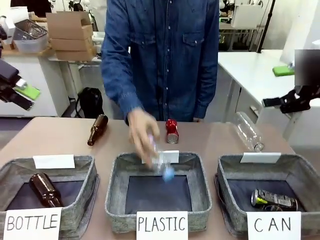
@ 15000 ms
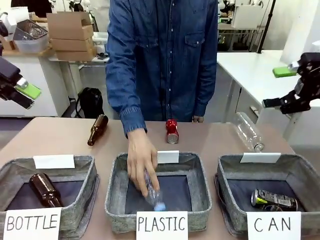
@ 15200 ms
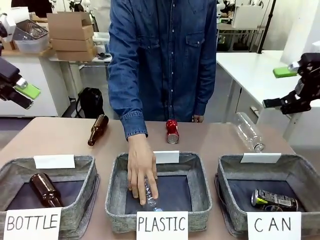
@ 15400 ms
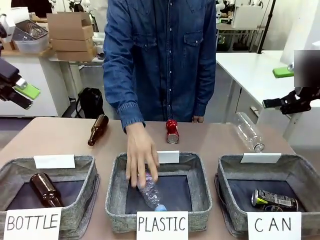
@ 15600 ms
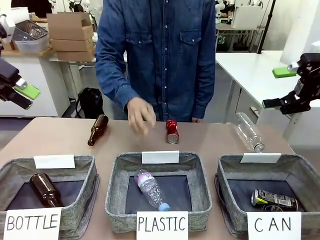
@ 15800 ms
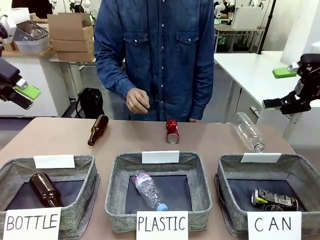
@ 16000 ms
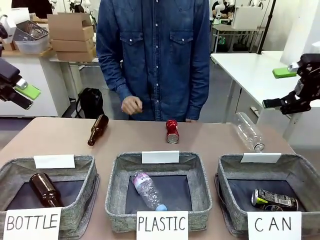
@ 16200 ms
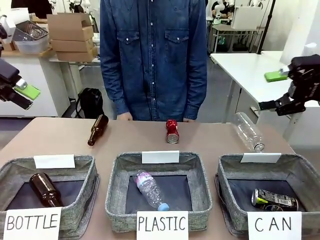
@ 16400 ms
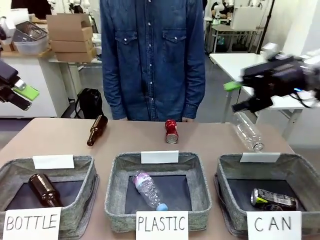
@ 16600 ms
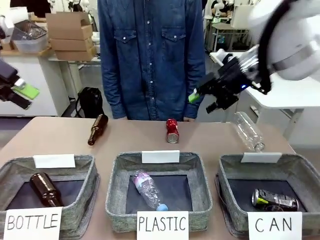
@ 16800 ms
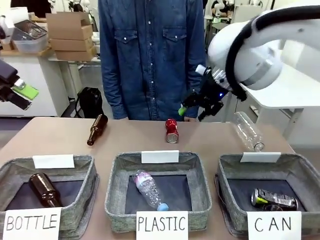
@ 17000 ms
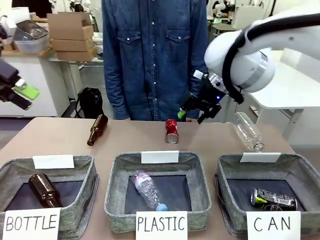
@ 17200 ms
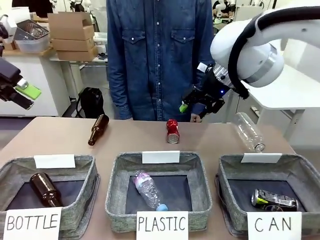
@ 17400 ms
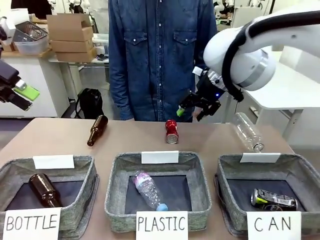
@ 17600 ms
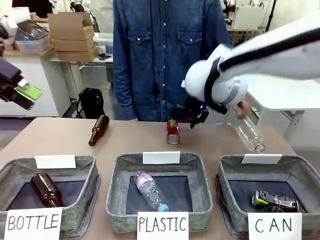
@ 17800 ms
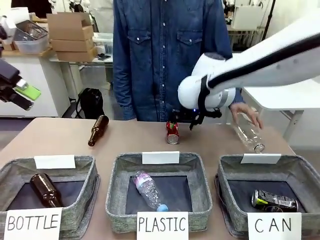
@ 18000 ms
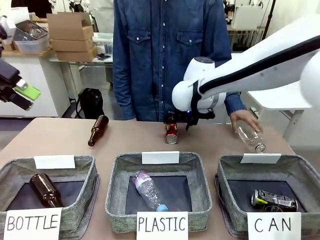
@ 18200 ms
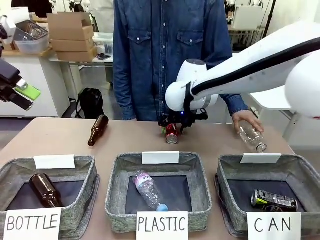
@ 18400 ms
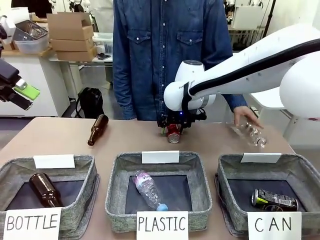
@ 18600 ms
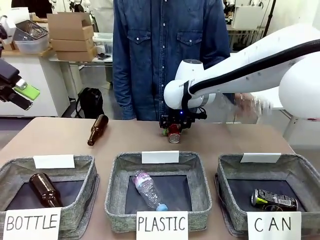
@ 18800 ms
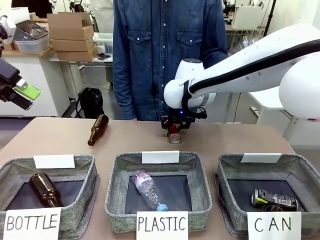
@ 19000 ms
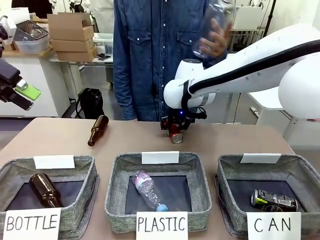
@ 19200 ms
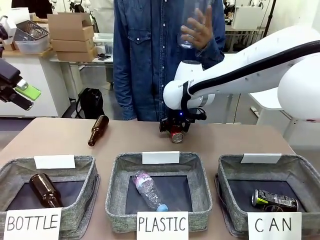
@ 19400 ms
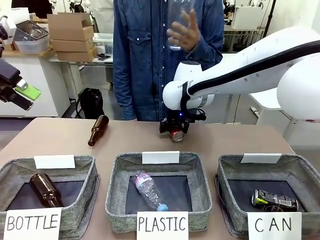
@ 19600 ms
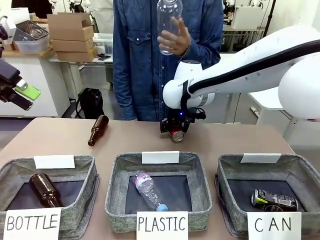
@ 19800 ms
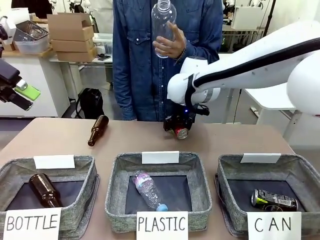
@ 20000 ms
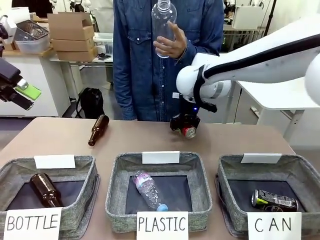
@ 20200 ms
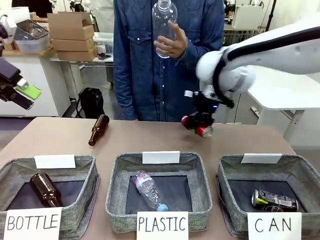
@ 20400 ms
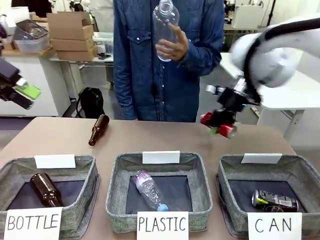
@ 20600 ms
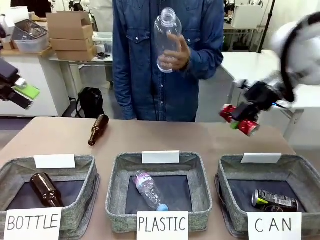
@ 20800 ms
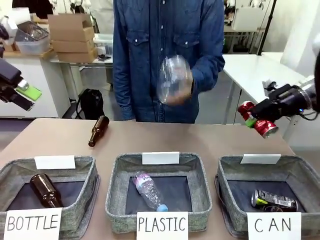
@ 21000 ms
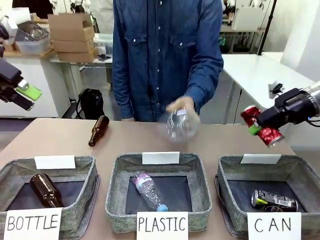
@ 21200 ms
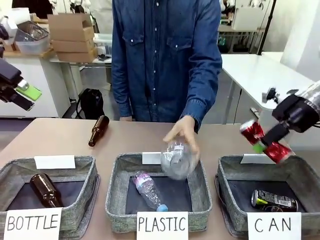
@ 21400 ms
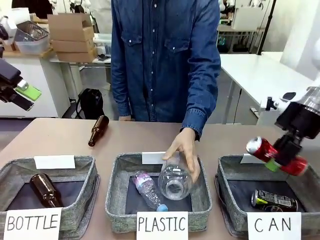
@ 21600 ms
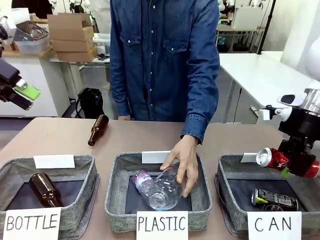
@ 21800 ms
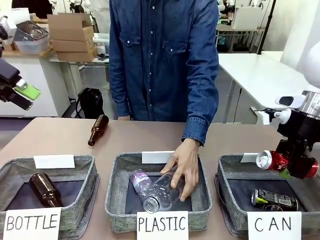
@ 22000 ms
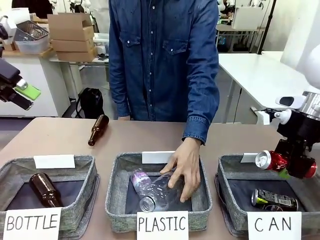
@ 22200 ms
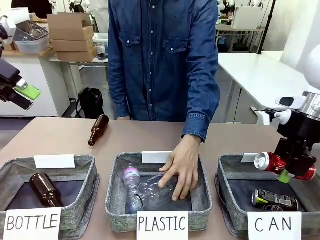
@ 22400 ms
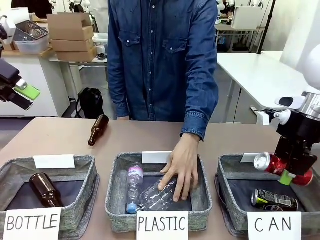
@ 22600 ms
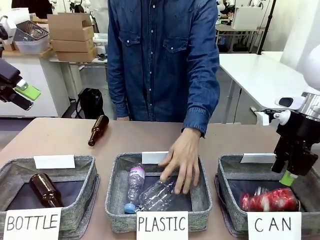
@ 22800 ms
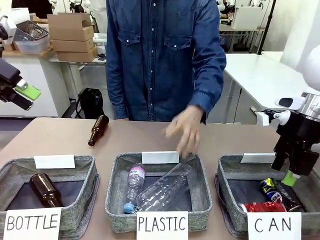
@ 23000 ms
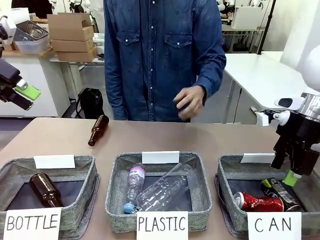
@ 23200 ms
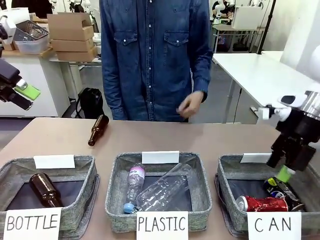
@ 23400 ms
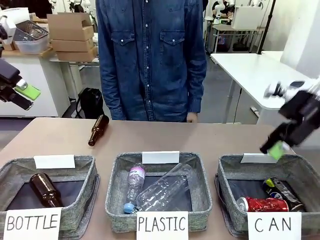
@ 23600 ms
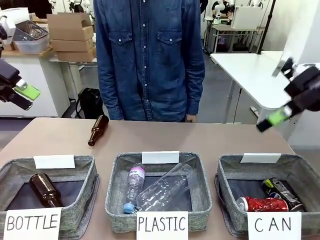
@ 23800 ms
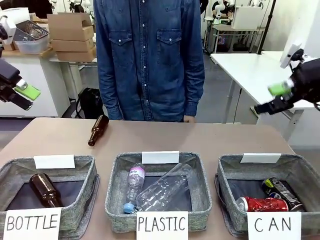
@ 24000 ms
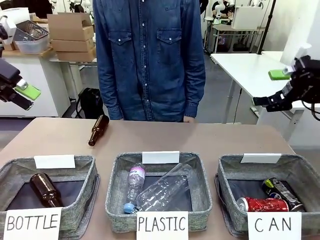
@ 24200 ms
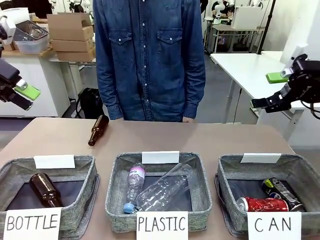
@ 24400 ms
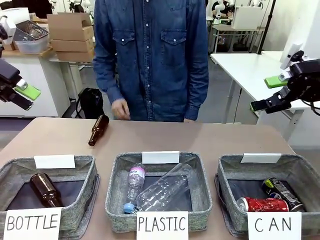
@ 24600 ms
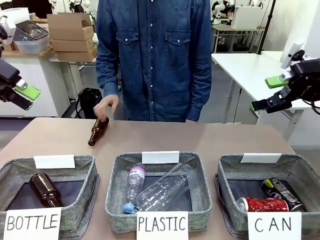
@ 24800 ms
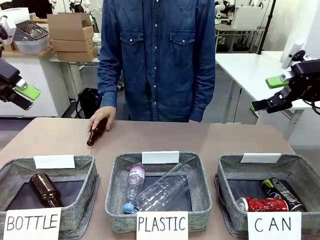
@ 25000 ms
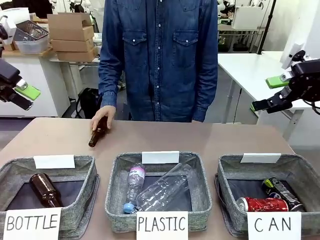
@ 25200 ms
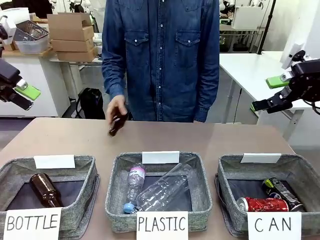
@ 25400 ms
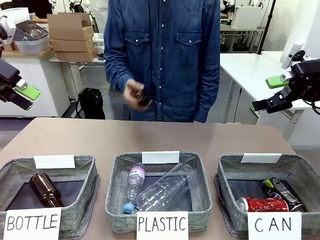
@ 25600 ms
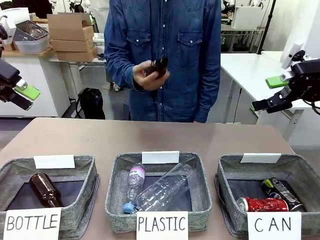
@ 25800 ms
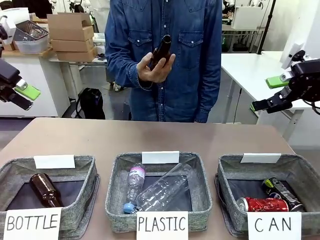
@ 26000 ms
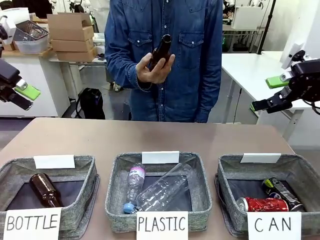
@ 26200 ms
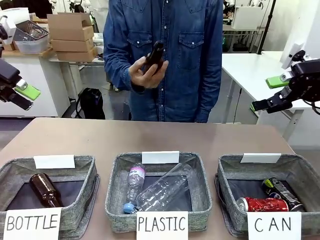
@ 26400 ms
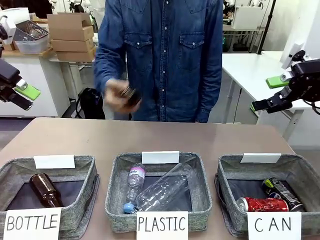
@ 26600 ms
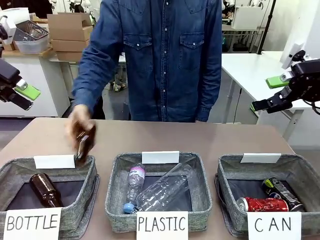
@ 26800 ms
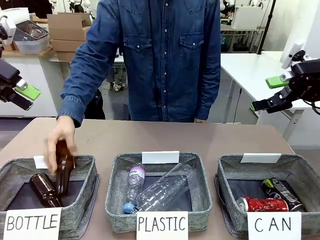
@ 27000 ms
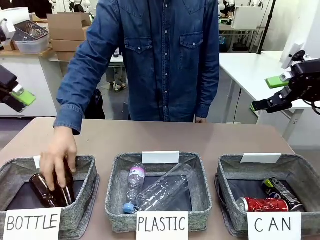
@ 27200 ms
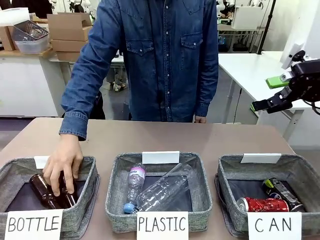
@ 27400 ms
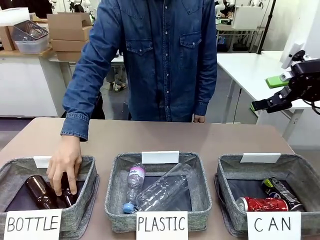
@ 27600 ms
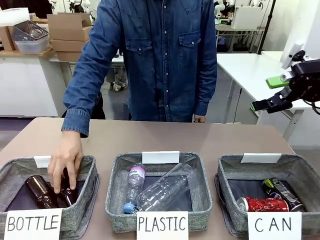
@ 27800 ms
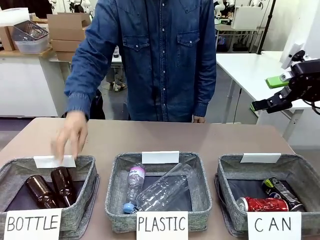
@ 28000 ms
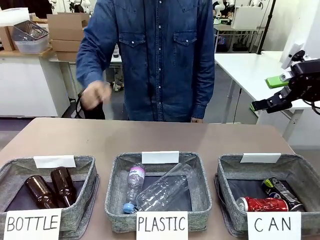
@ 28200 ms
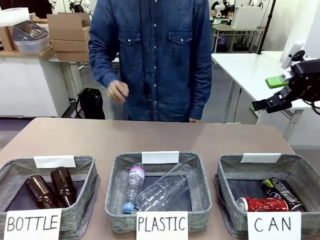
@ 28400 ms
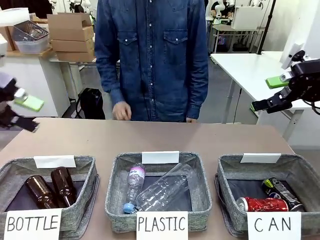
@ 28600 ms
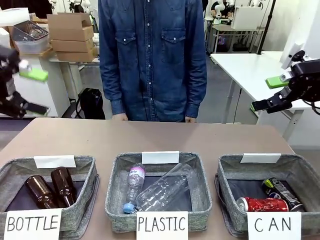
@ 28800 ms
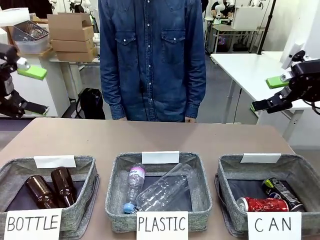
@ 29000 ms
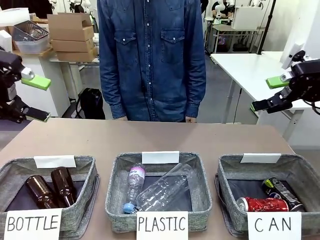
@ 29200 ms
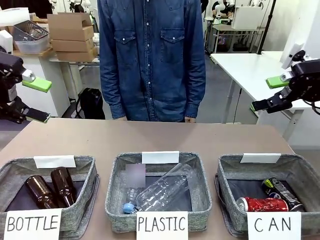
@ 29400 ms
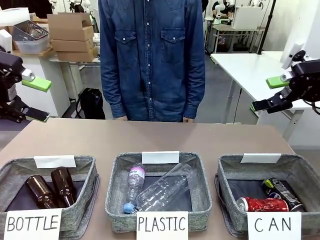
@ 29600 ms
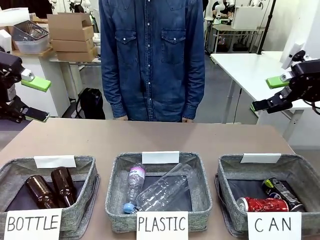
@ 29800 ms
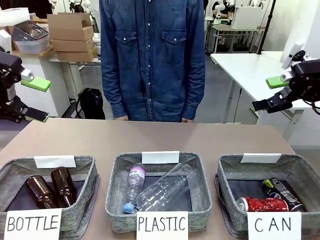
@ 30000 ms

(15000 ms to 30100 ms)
Task: Sort the can waste into the basket.
Robot: Pick up the can waste from the table and place it in the right Fabric basket.
Person: The human picks up one piece of trash that is not a can and places the trash into the appropriate organizing basket.
